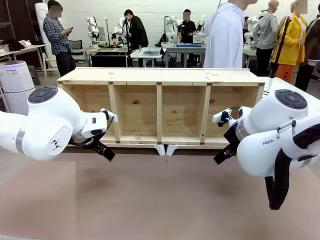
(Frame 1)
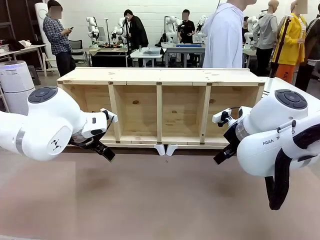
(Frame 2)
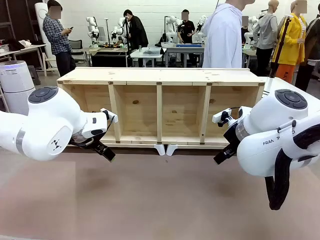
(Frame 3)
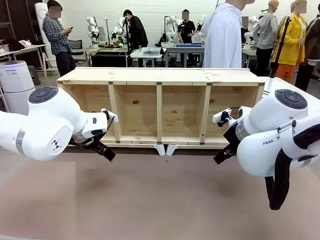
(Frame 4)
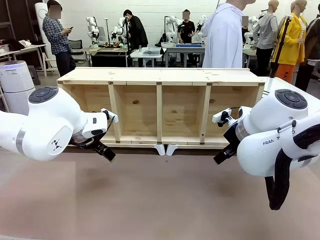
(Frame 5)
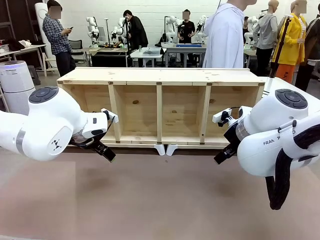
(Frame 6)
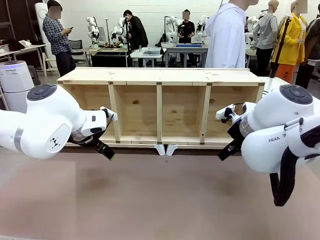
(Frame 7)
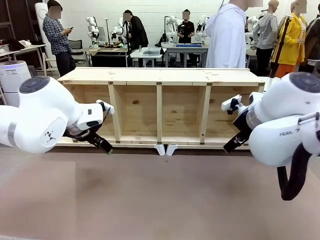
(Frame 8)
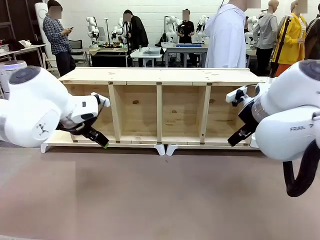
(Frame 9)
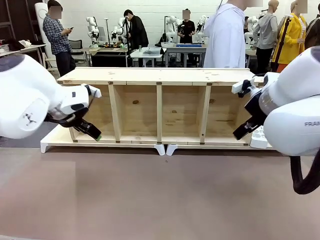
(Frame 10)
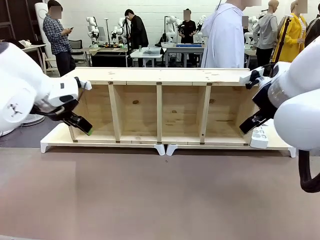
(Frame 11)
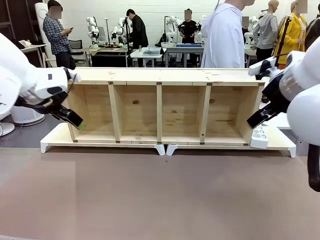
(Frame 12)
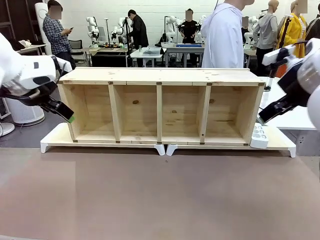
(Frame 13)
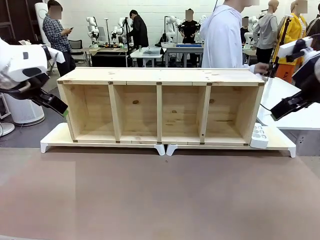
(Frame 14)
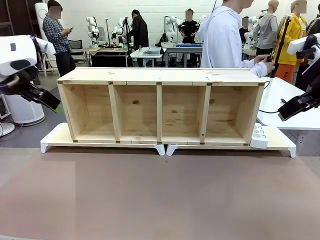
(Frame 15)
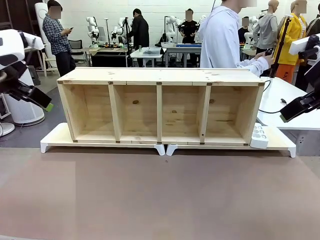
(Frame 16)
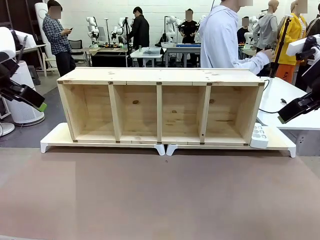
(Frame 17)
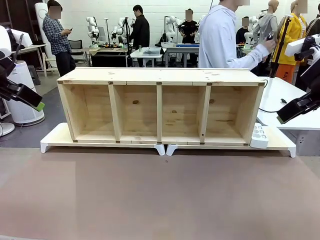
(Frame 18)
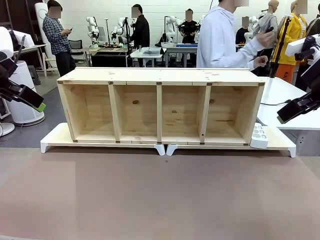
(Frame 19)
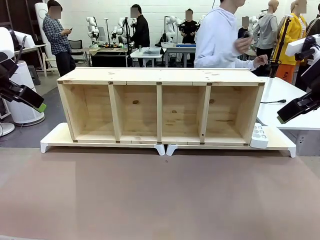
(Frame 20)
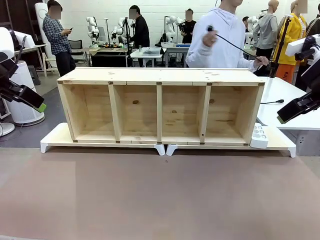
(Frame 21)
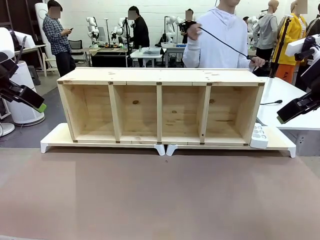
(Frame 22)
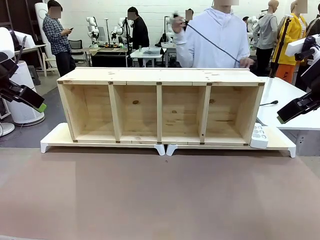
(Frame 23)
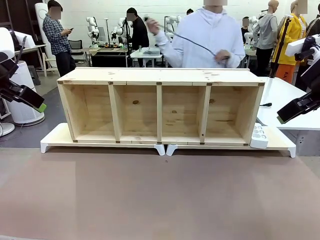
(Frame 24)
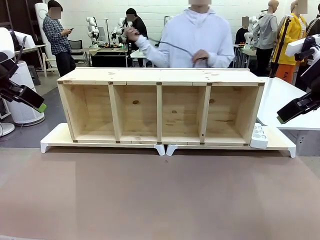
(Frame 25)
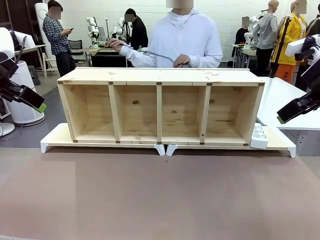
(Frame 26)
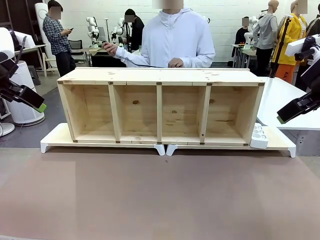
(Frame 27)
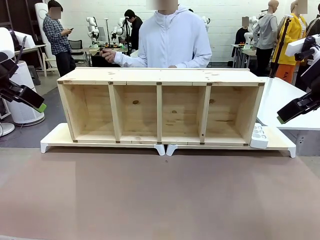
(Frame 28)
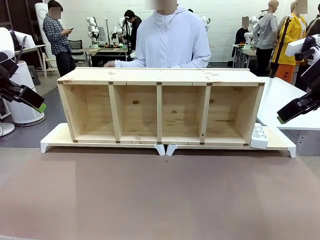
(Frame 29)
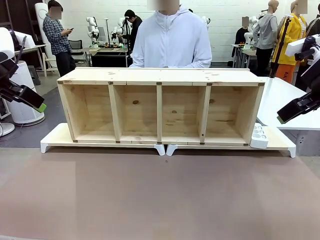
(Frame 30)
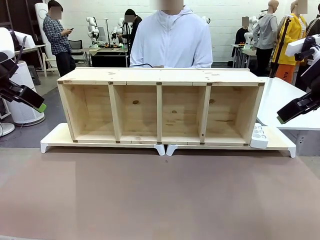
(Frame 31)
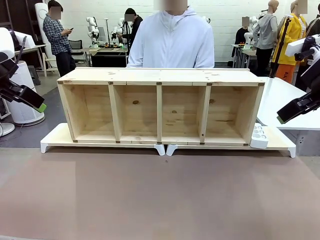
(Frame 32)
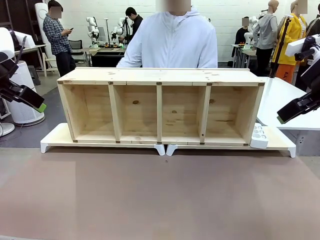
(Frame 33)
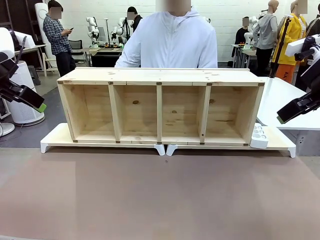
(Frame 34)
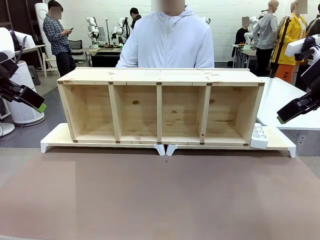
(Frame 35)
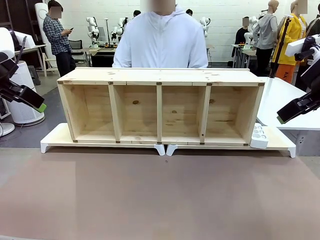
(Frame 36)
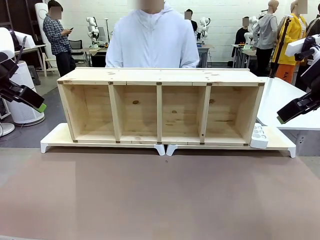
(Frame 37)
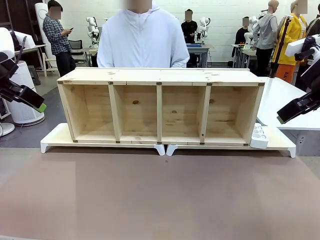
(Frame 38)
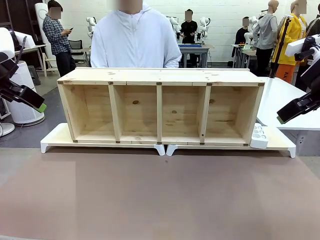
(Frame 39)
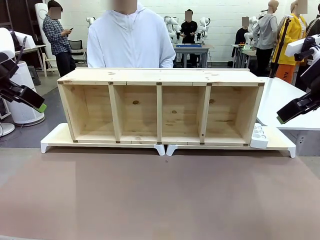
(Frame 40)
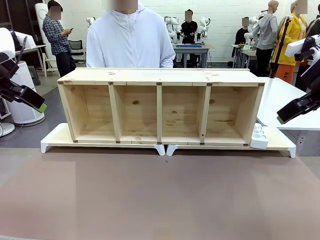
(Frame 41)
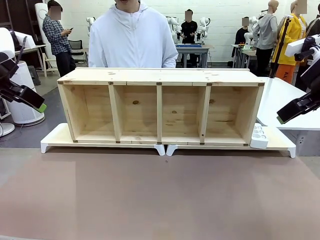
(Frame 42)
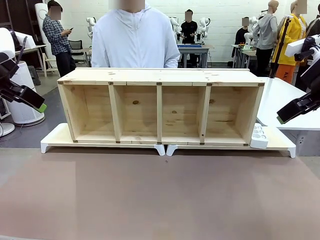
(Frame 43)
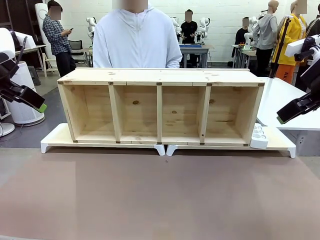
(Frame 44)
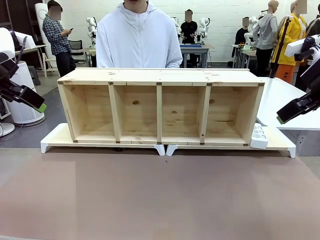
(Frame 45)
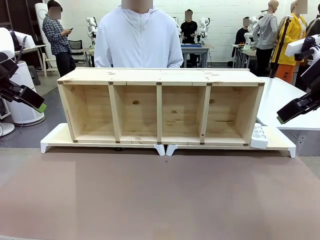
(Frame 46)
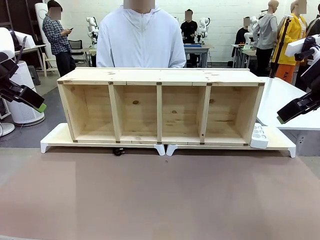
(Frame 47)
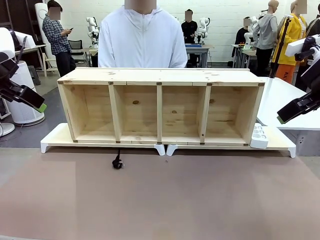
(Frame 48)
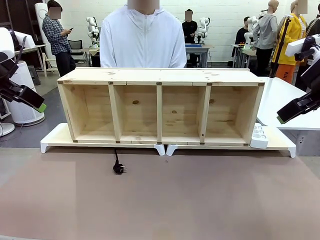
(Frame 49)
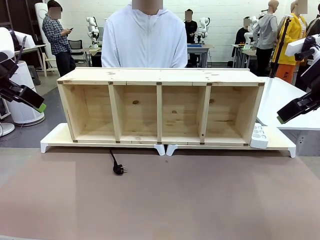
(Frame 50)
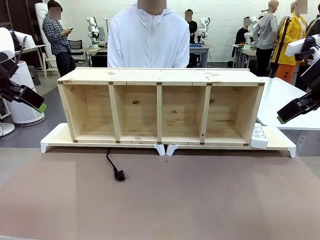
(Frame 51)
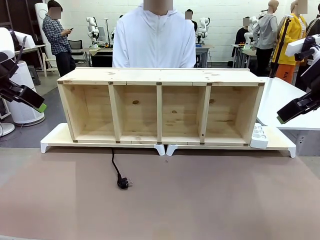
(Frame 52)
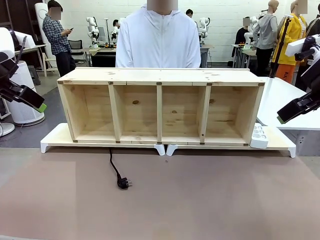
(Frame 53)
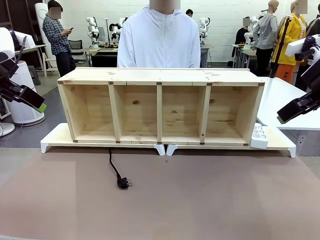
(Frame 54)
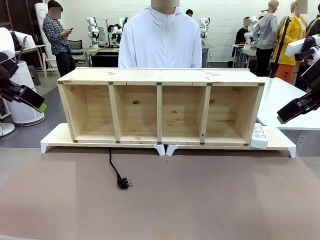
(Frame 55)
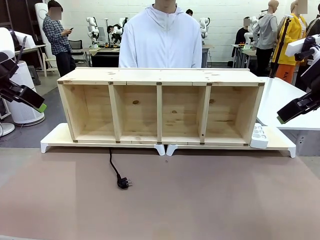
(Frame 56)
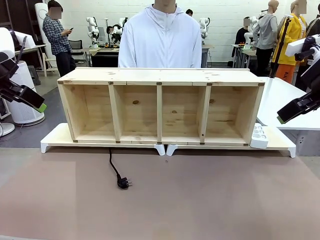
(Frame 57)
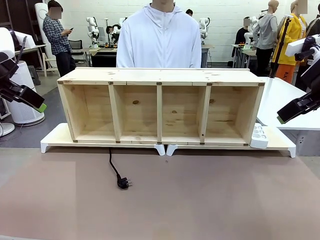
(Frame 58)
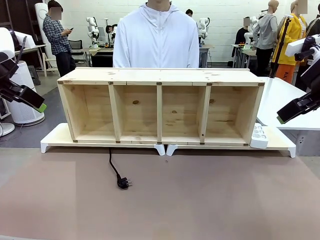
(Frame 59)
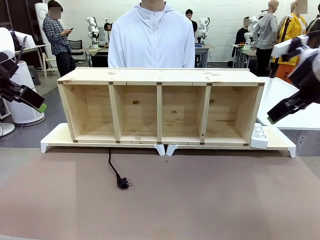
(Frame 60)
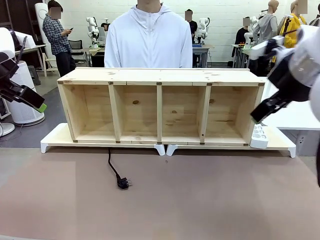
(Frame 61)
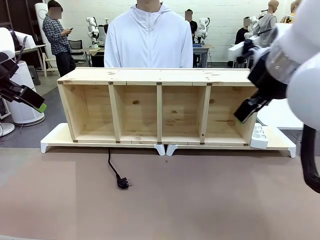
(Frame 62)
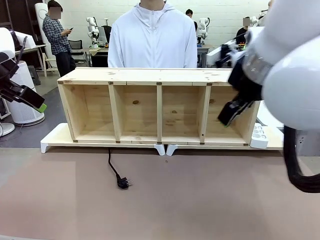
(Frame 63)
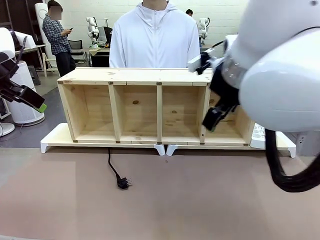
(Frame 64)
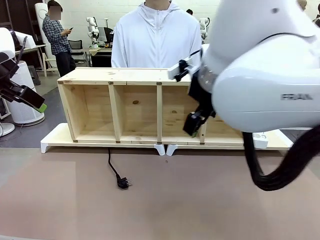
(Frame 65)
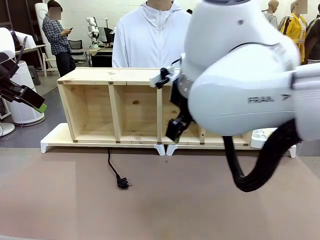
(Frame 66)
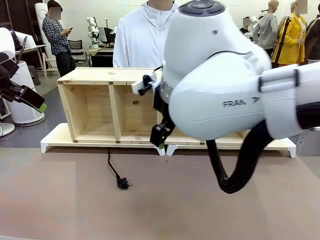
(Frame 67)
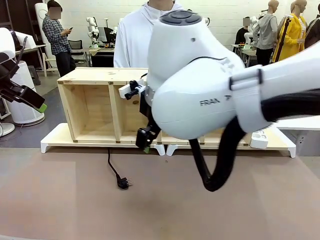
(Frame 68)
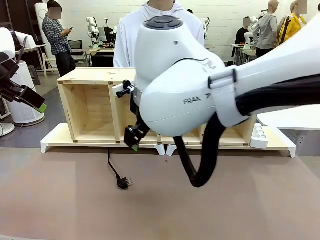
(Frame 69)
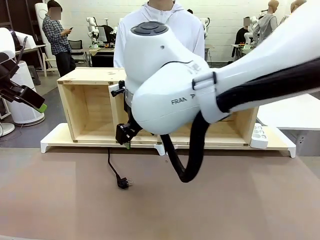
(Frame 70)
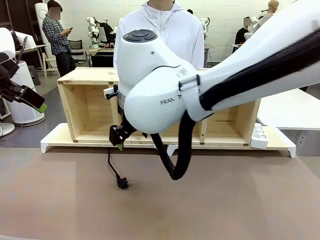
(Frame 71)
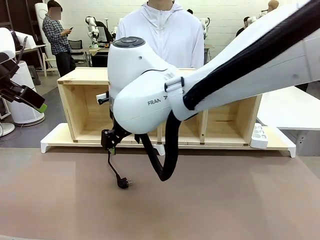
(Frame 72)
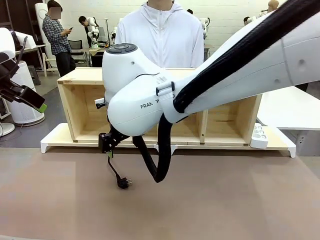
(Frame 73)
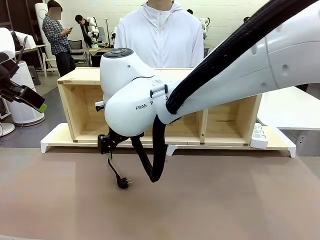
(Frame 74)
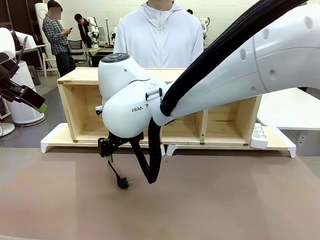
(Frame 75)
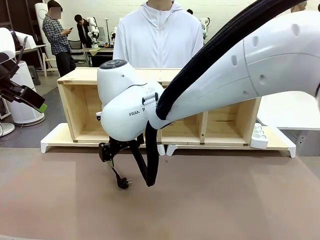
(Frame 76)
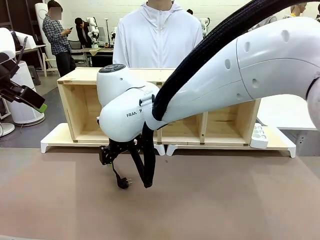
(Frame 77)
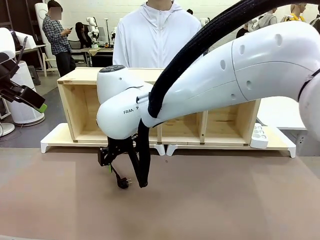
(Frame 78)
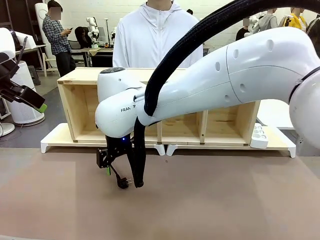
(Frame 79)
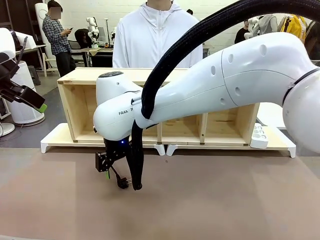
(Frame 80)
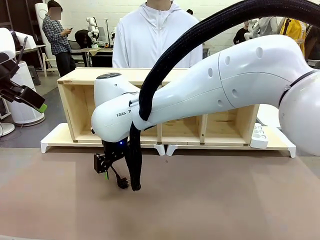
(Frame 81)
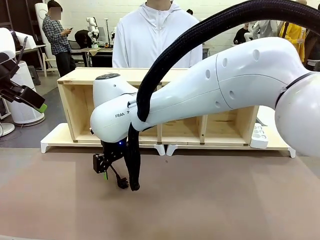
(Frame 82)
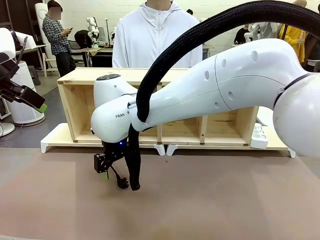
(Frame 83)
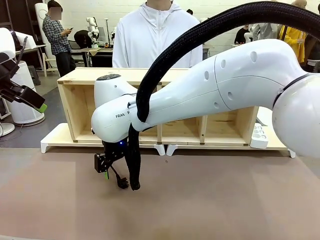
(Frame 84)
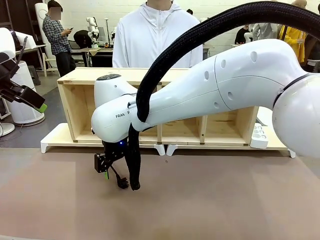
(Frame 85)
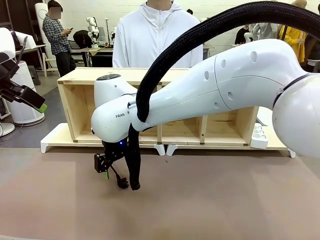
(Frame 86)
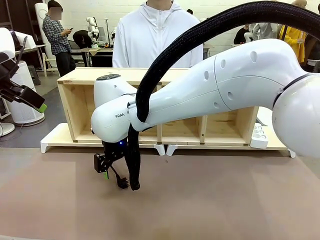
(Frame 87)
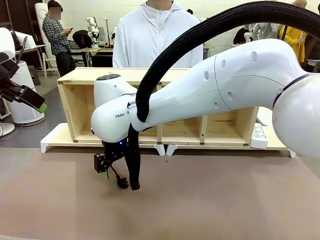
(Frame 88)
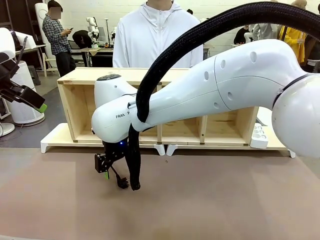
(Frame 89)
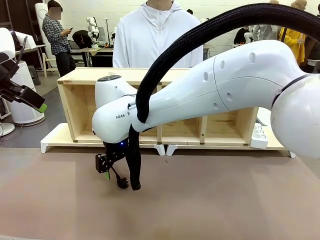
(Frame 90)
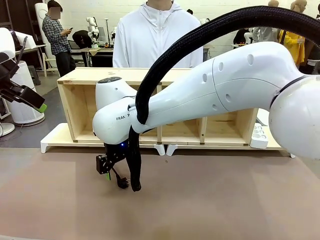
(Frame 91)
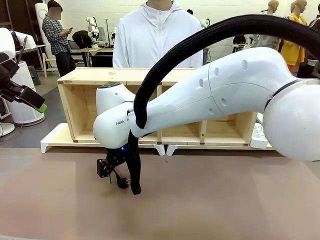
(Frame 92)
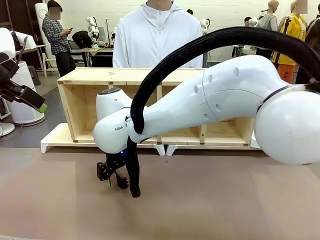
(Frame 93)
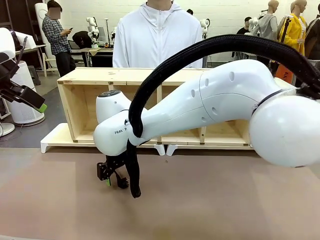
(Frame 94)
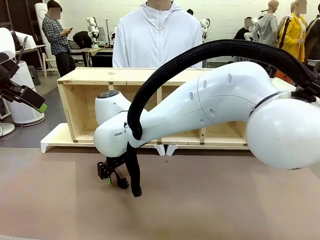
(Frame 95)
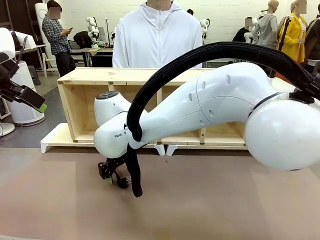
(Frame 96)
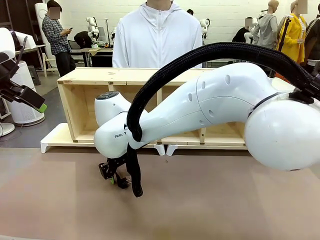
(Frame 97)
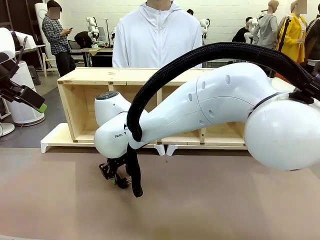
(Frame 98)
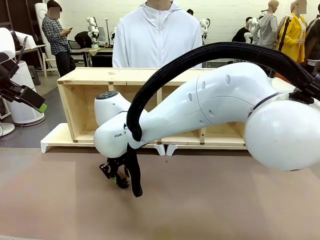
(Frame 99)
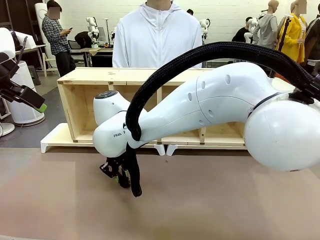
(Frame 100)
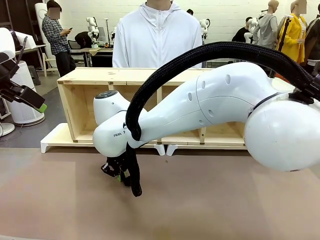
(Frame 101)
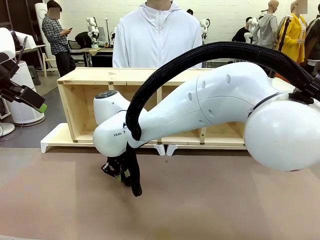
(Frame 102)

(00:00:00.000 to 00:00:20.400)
Task: Perform cable management.
Robot: When the cord part of the Power Cable appears at the lower middle area of the table and stops, grasp the cord part of the Power Cable.
Person: Pass the Power Cable under the Serving Table.
